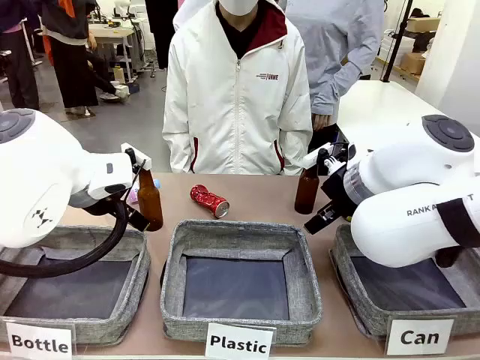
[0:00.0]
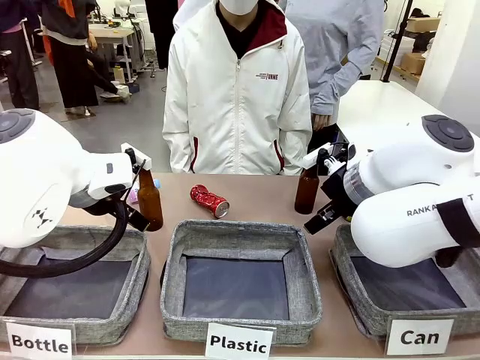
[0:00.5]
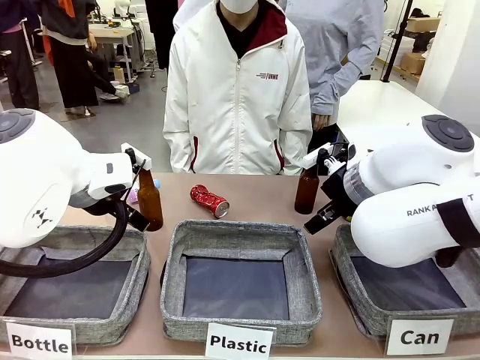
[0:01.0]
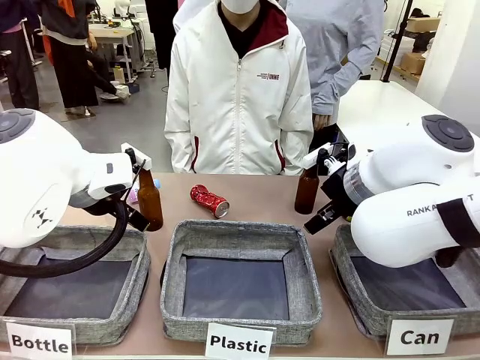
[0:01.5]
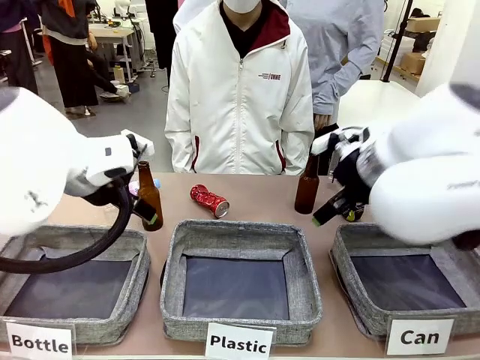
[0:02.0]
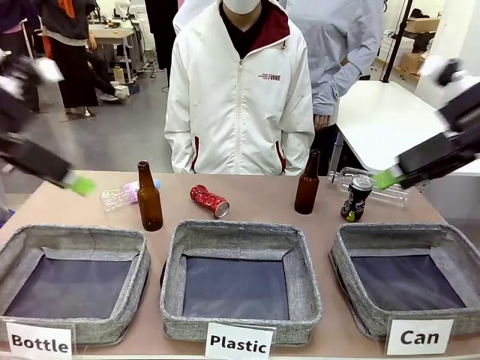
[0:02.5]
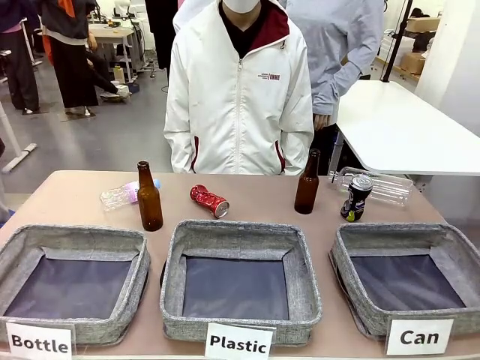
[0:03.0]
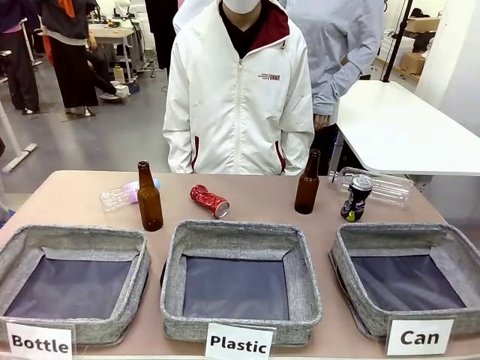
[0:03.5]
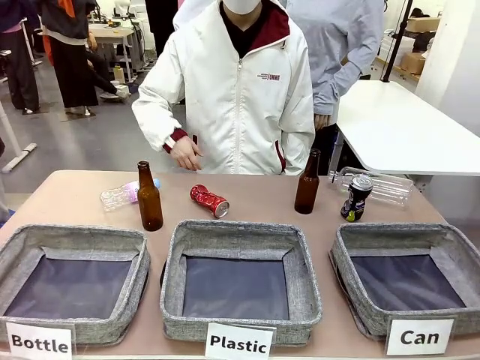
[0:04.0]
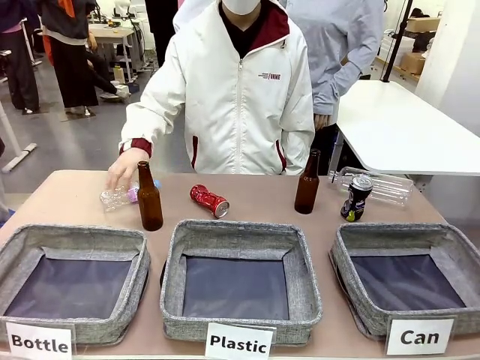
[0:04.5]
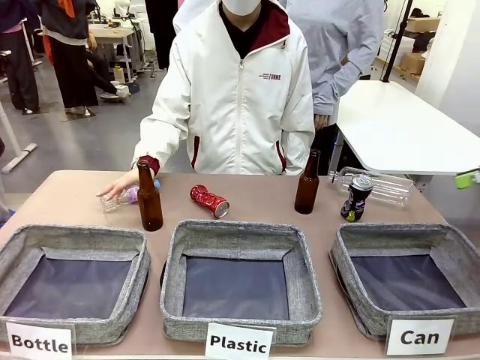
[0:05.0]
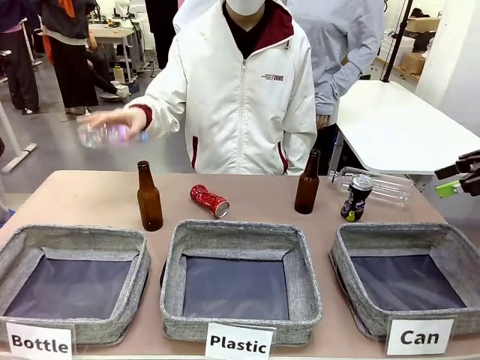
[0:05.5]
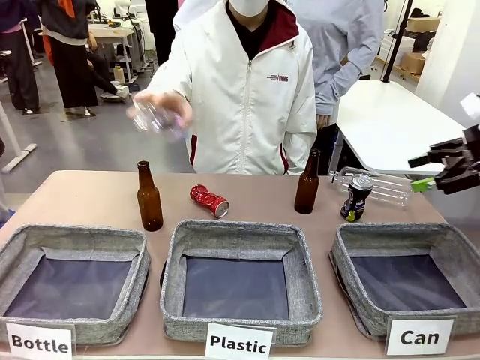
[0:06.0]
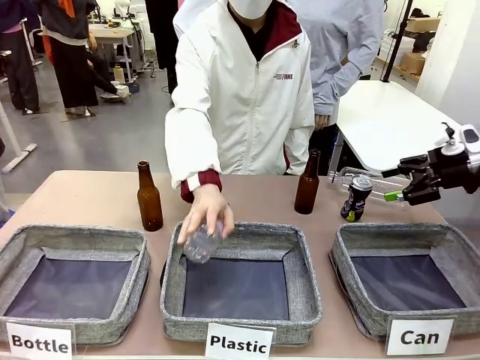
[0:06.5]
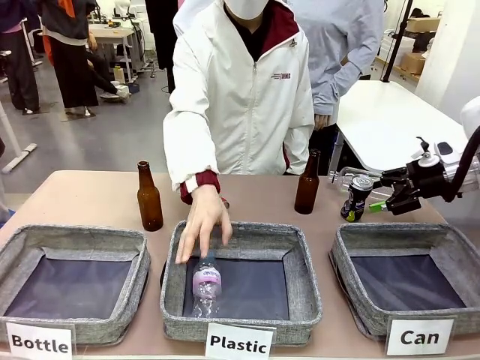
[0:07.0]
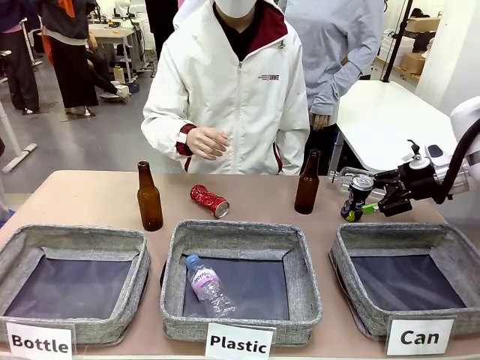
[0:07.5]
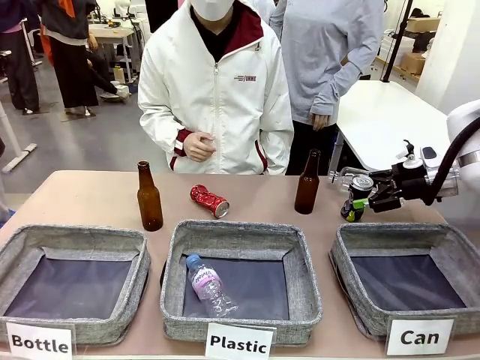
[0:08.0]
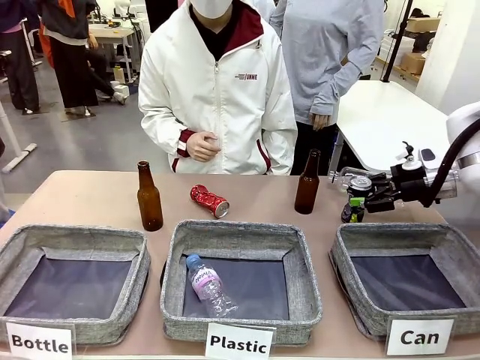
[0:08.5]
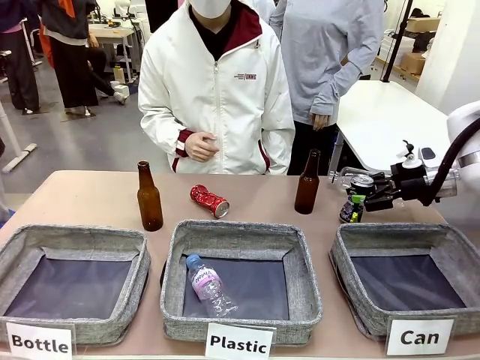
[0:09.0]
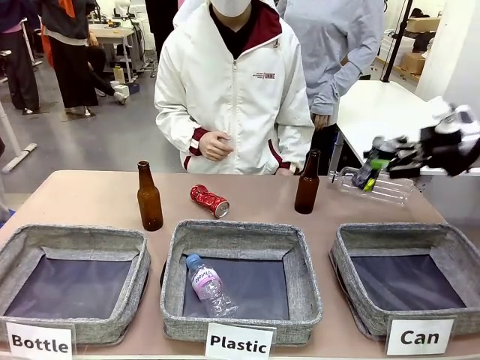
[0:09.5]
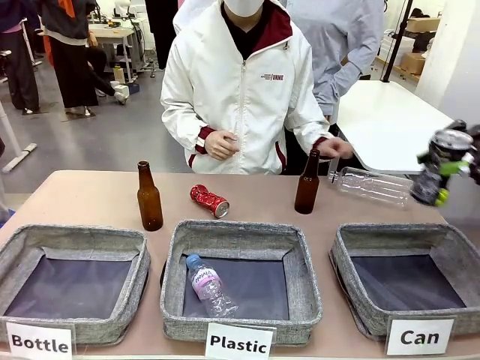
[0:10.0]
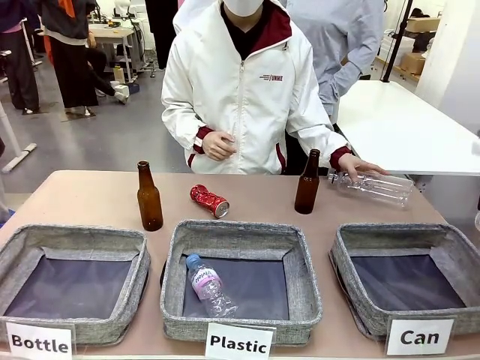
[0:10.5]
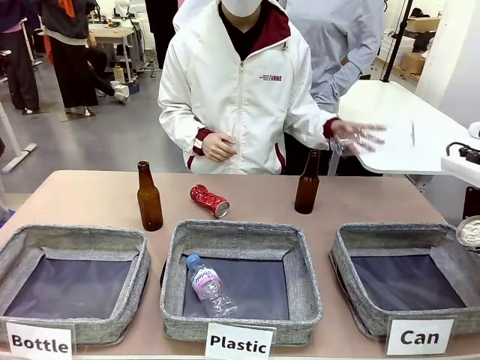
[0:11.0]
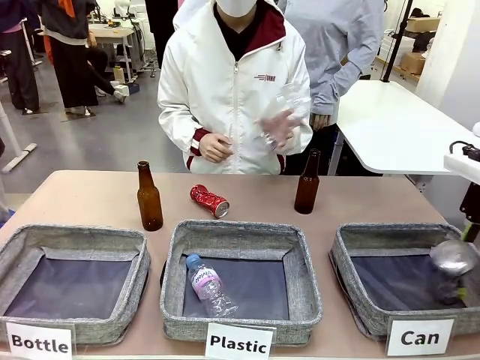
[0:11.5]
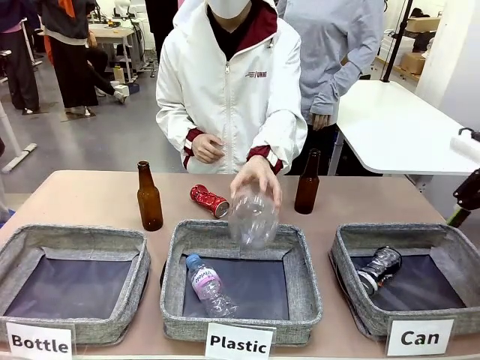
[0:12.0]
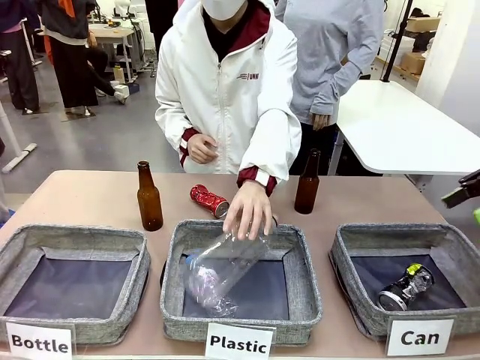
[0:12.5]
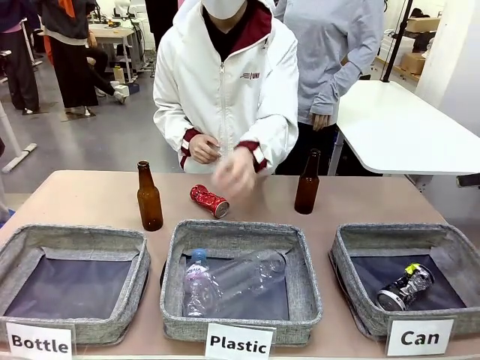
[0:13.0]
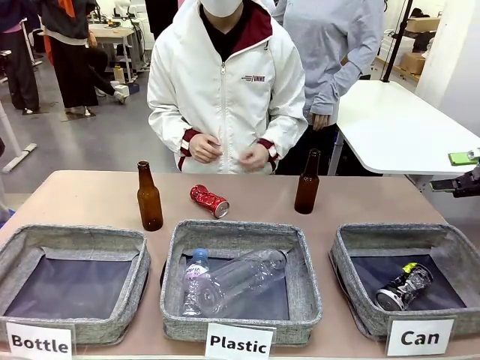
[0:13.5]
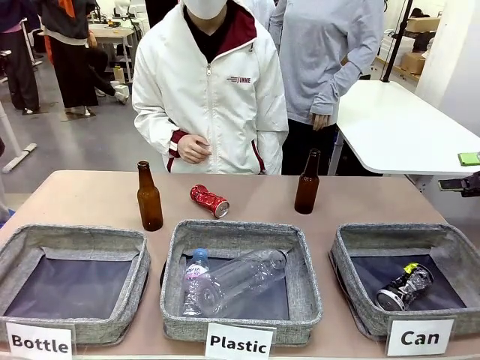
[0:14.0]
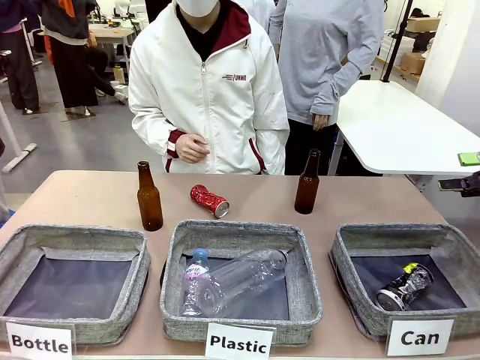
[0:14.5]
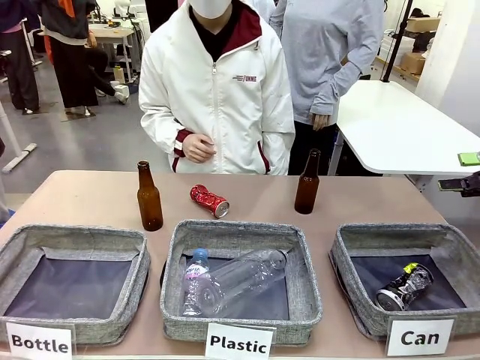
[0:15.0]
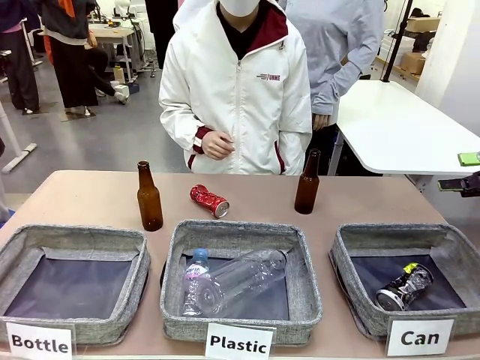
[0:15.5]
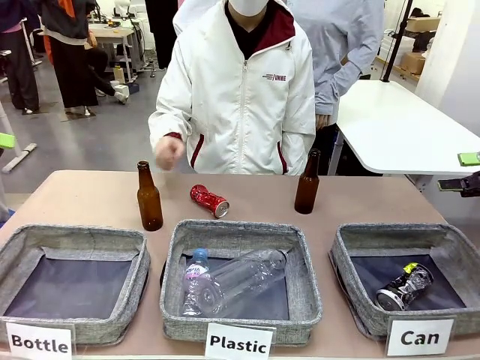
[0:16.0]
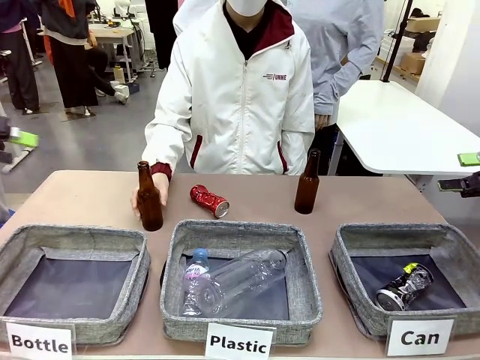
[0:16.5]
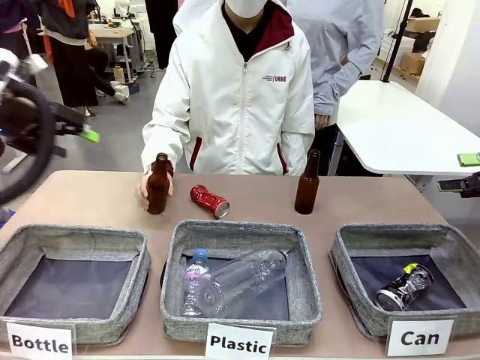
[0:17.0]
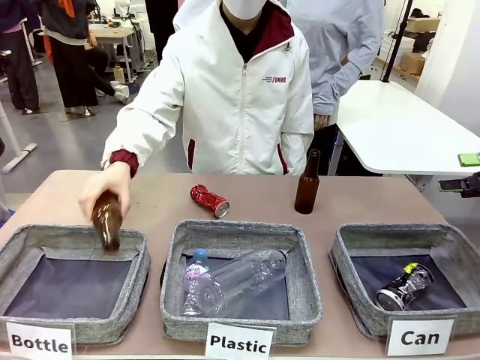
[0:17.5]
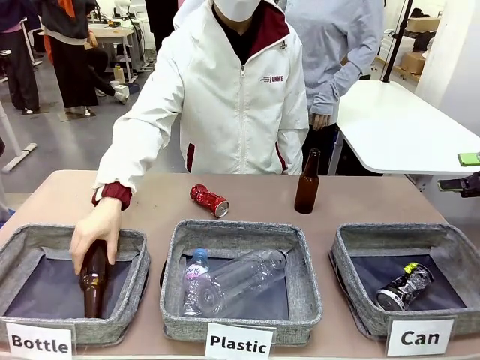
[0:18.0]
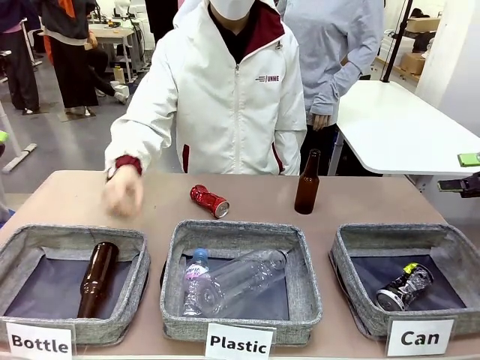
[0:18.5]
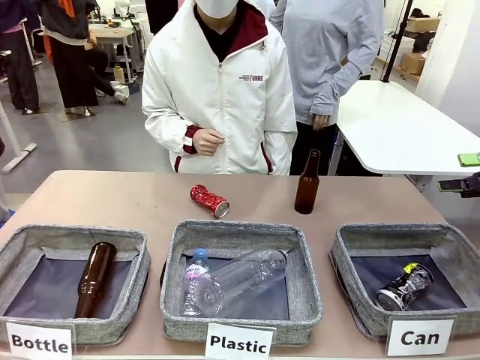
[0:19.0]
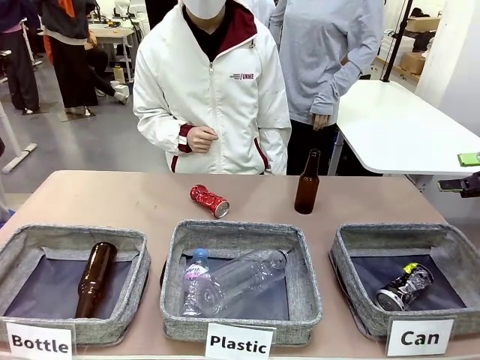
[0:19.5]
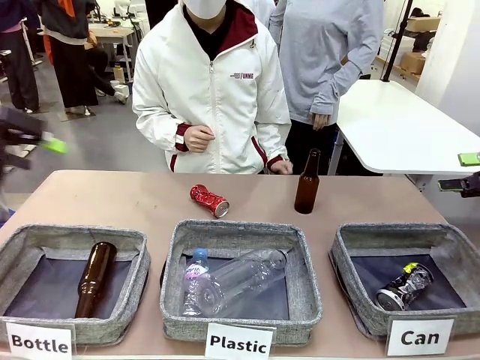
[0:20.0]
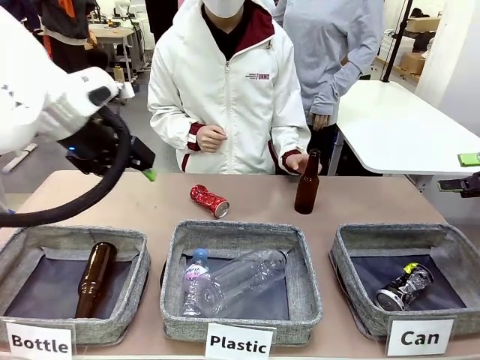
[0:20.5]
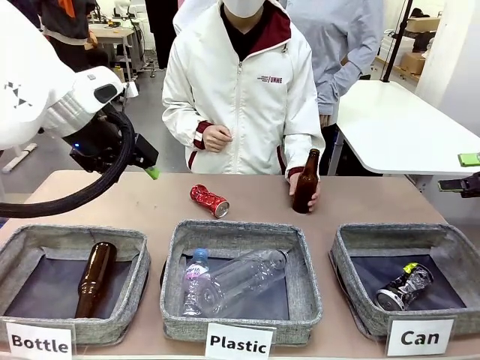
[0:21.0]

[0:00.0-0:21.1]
Task: Sort the can waste into the basket.
Robot: Pick up the can waste from the table and place it in the right Fabric basket.
